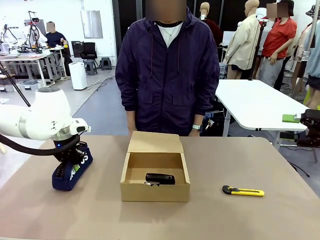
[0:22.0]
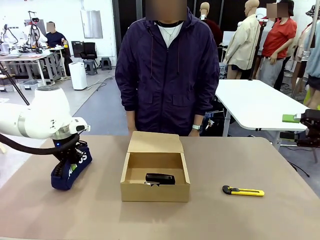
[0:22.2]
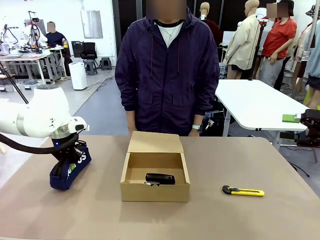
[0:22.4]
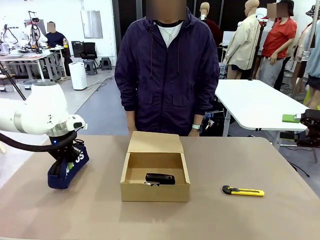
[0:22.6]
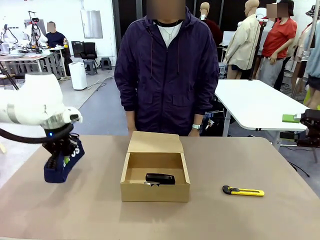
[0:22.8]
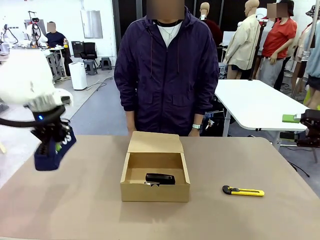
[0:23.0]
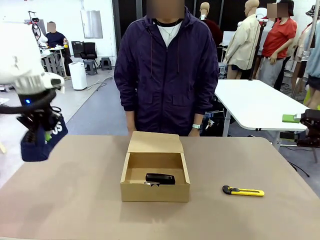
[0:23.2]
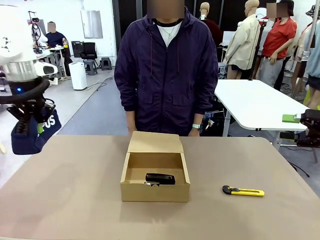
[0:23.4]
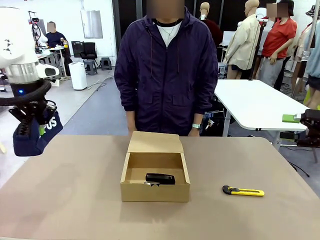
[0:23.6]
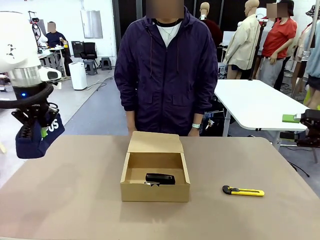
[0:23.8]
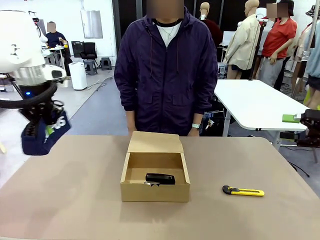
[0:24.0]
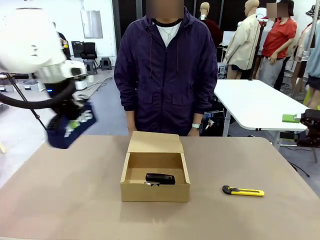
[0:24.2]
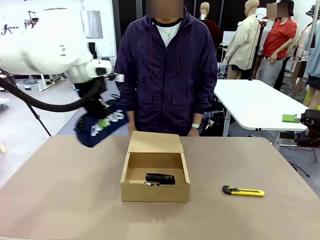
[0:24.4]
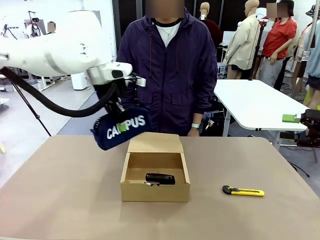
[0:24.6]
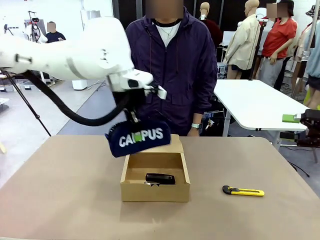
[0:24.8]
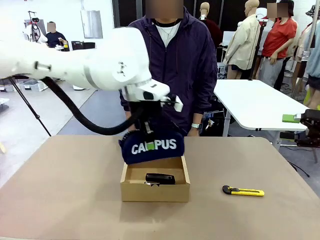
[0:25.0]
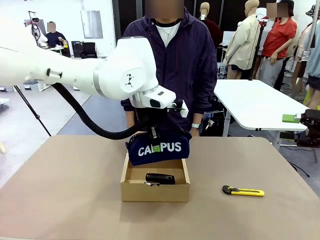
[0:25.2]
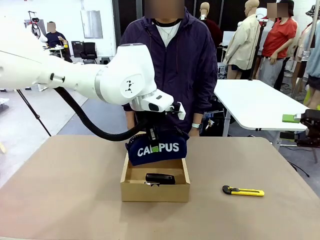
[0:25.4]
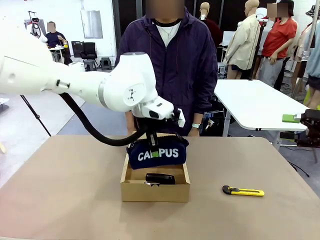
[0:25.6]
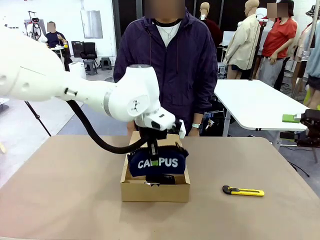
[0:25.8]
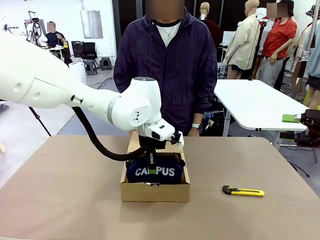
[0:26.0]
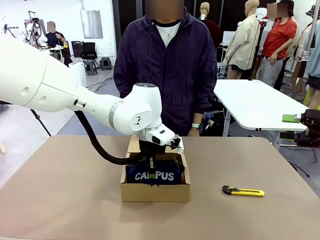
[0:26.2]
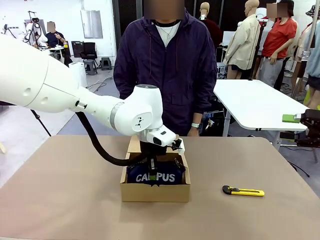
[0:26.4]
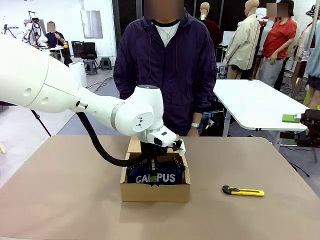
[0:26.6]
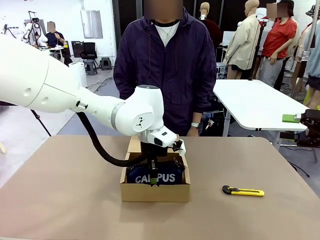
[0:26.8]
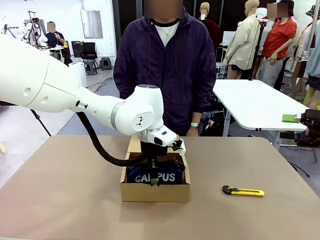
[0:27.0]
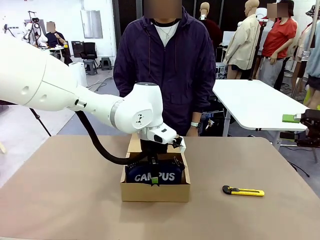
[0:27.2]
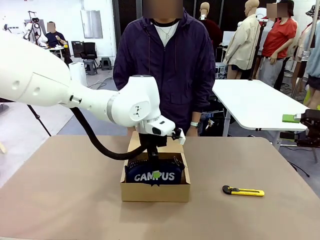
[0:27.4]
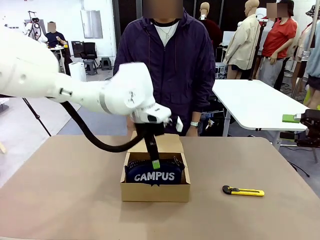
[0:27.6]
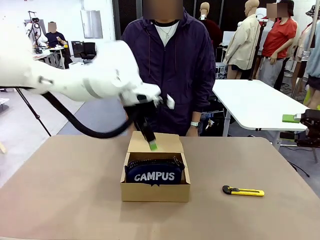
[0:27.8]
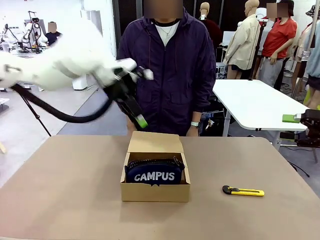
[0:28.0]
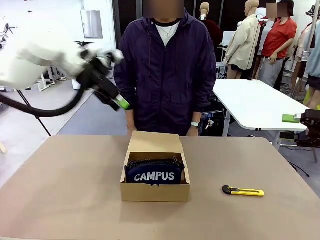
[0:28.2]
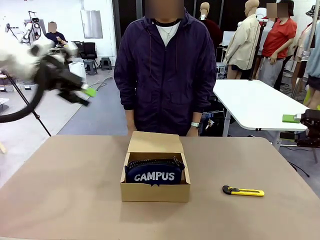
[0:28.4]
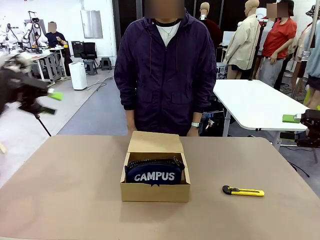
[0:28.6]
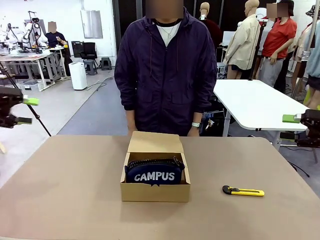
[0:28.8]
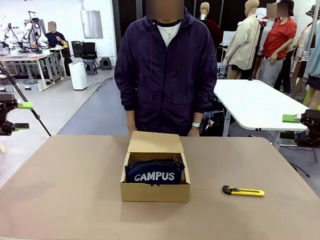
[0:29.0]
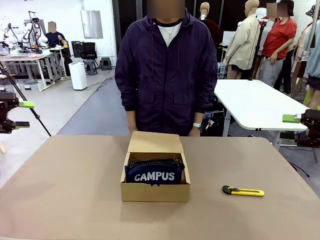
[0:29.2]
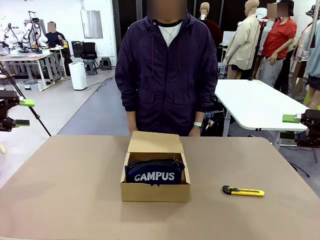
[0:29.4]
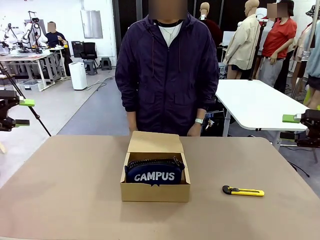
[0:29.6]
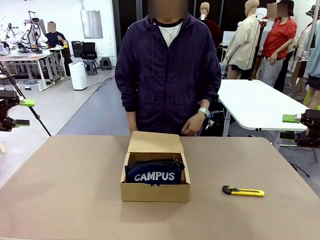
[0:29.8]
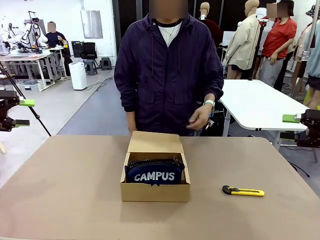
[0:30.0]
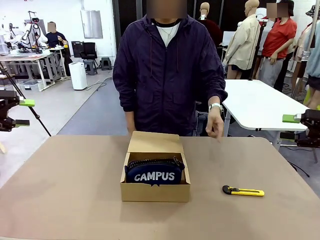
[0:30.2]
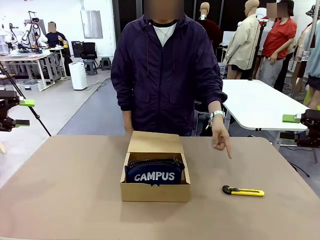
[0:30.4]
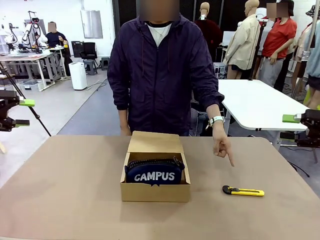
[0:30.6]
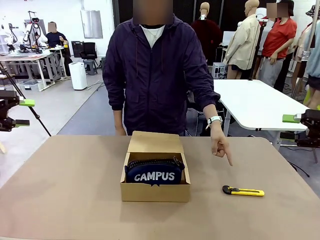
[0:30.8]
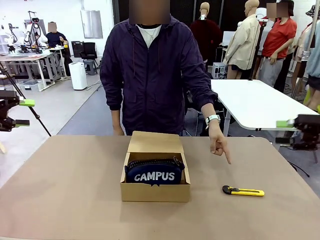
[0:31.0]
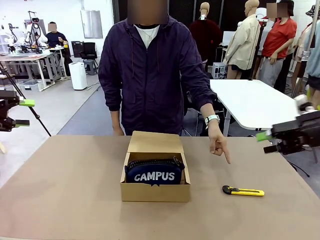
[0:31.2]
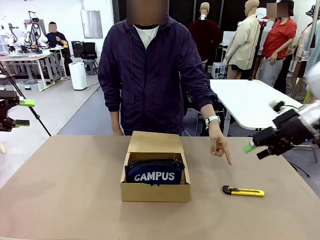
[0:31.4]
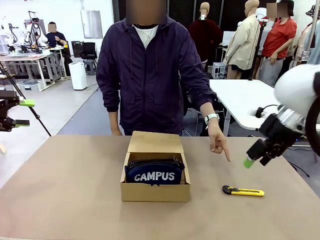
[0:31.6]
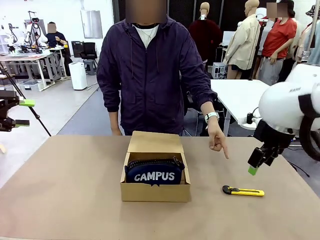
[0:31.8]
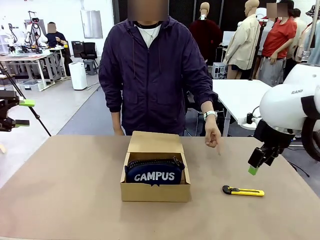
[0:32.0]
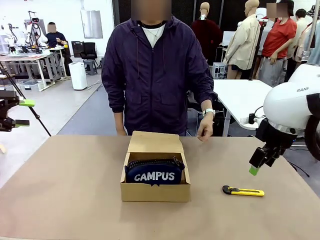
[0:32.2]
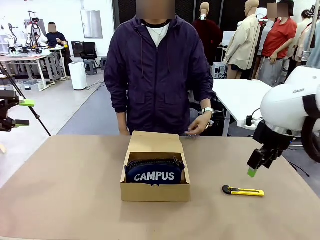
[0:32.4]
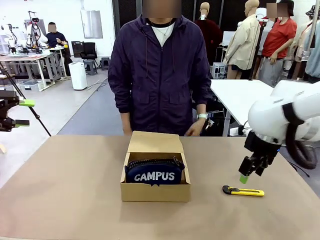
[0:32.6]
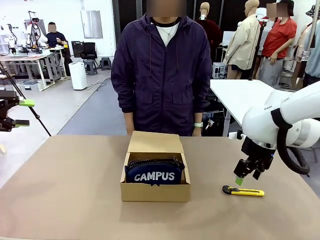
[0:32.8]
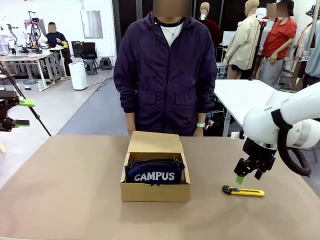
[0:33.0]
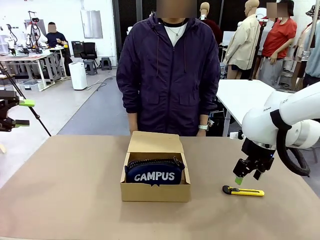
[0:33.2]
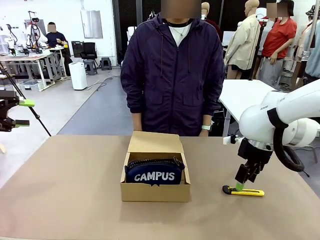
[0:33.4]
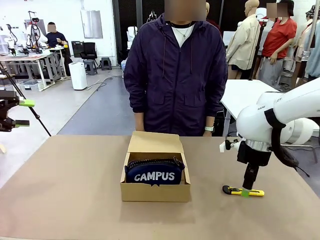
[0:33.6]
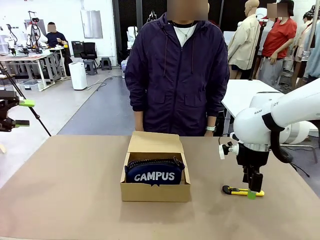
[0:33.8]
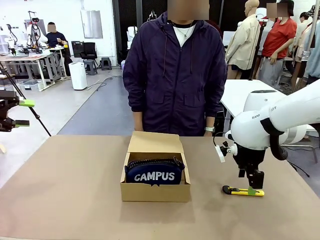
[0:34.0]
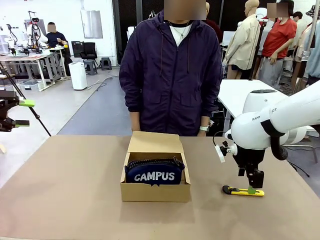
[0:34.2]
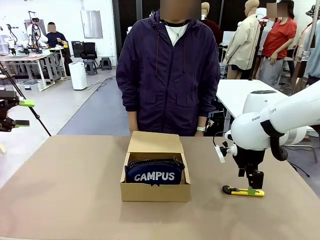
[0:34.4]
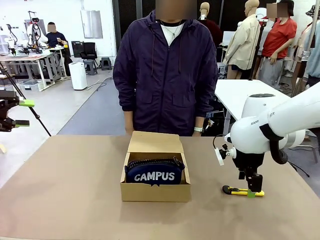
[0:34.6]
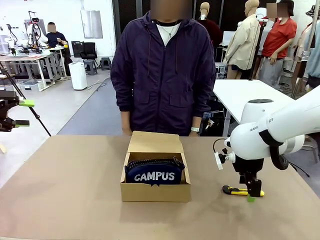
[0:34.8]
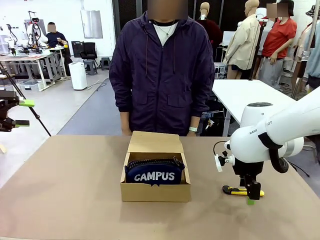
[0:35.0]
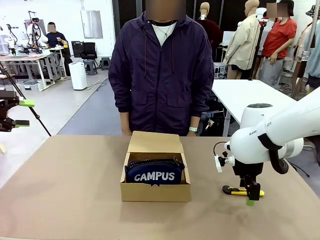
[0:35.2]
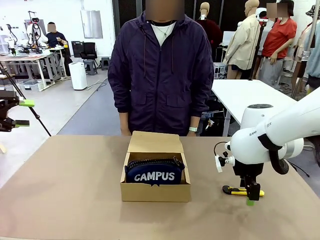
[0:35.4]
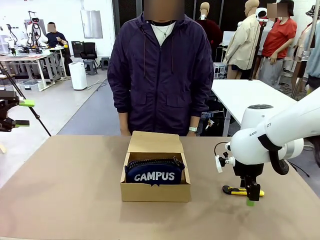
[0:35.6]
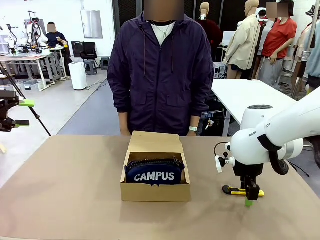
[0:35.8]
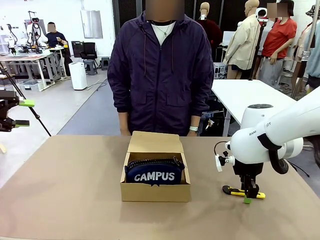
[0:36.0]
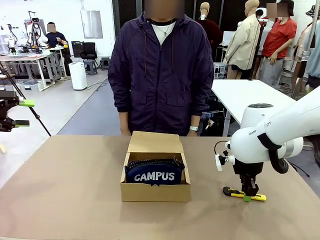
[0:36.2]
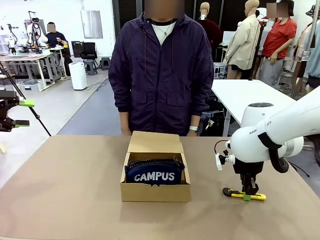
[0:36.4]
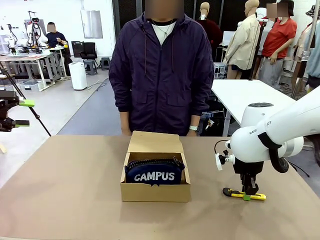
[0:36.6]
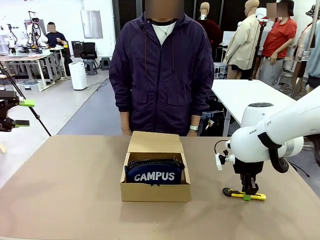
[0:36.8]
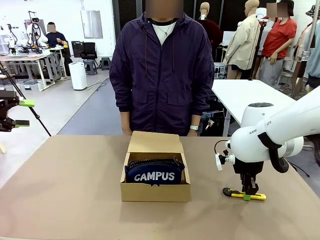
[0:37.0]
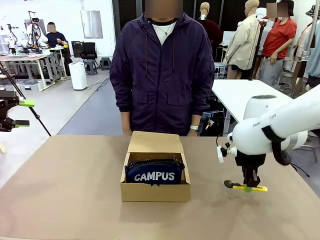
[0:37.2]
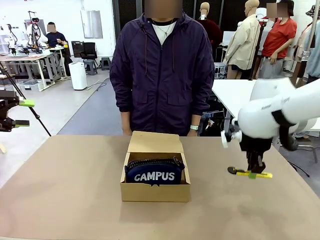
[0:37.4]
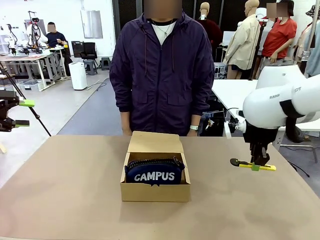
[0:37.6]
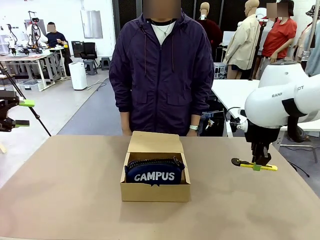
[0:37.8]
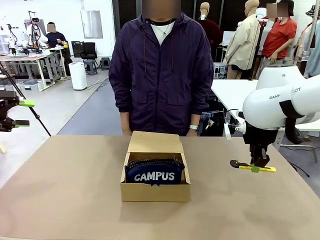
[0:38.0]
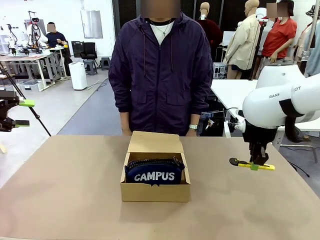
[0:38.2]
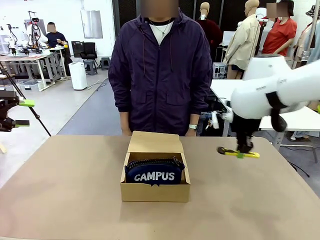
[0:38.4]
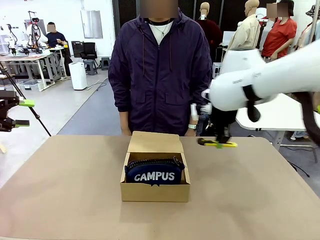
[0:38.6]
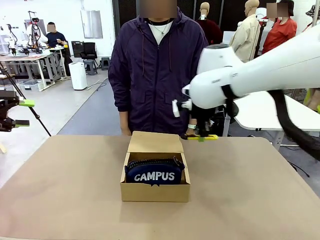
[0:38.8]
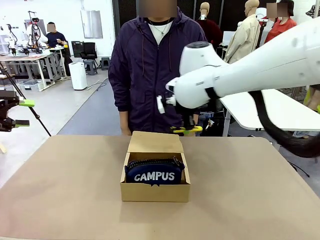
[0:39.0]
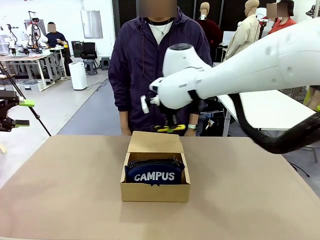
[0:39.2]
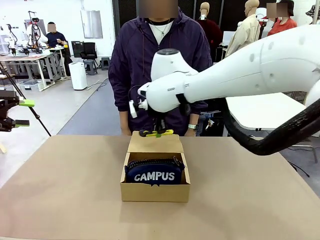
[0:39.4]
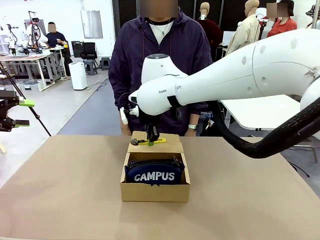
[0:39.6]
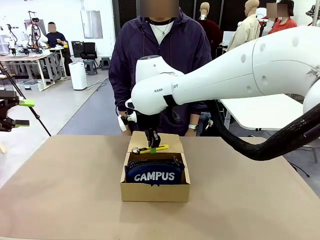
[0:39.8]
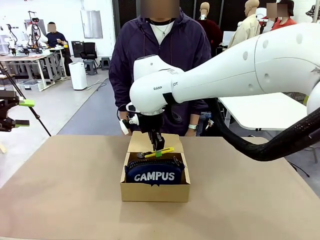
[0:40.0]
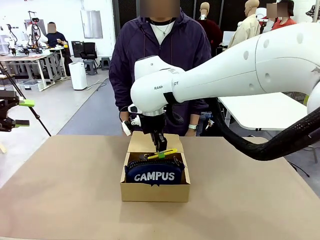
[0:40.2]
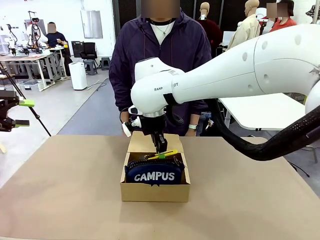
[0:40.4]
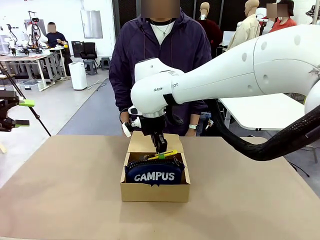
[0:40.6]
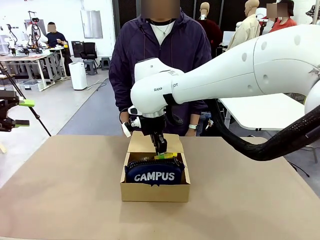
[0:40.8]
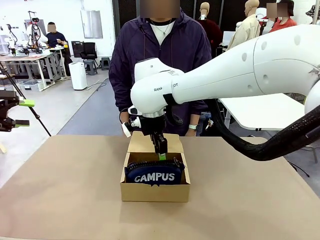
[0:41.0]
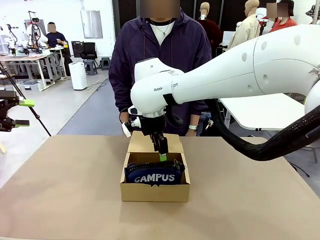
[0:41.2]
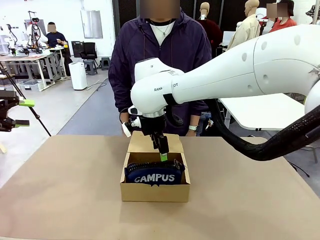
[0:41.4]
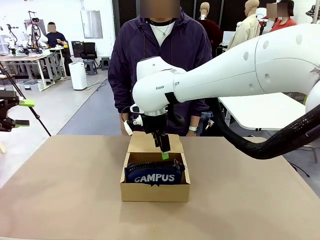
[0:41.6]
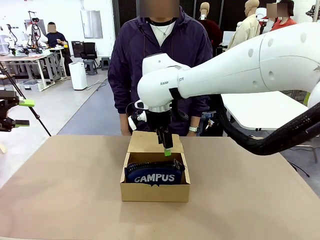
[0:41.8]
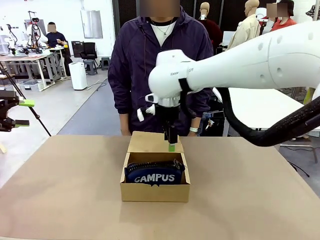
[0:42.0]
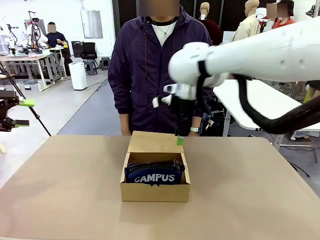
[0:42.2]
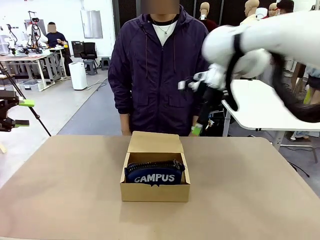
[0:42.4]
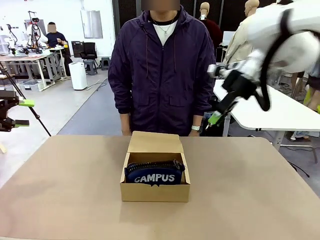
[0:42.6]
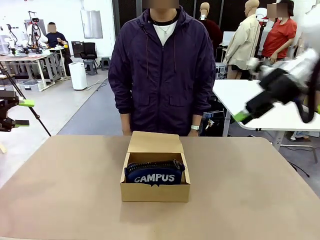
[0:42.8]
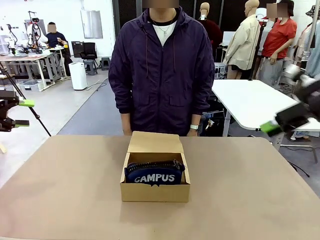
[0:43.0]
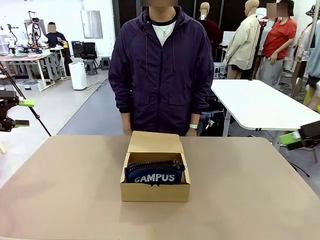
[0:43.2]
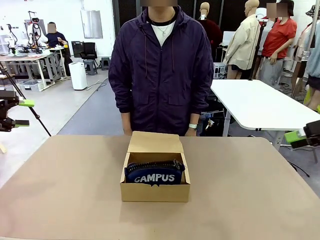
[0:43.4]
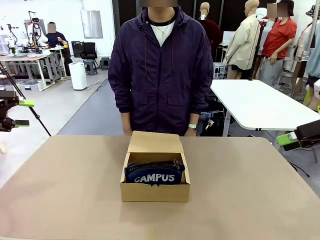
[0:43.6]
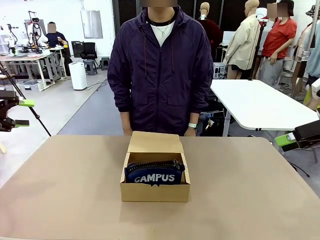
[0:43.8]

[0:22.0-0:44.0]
Task: Pack the items into the box.
Robot: Pick up the item indicated by the person and place it inside the Mailer Box.
Person: Lower both hands vertically with palms facing downward, as if pressing something closed.
